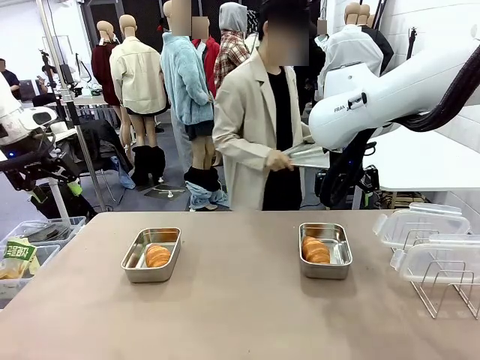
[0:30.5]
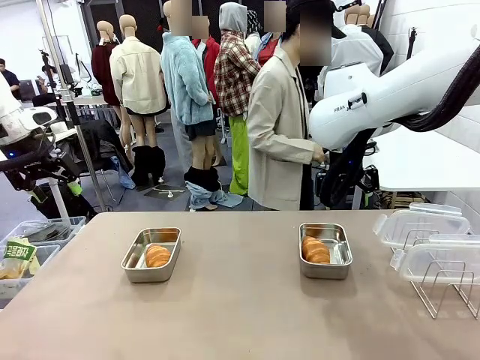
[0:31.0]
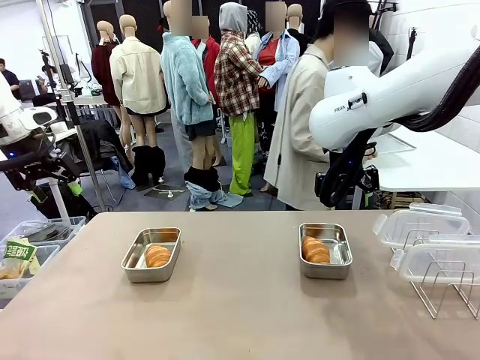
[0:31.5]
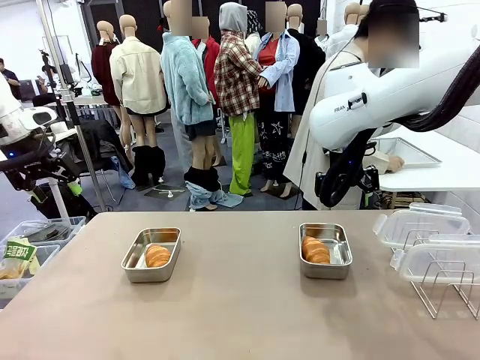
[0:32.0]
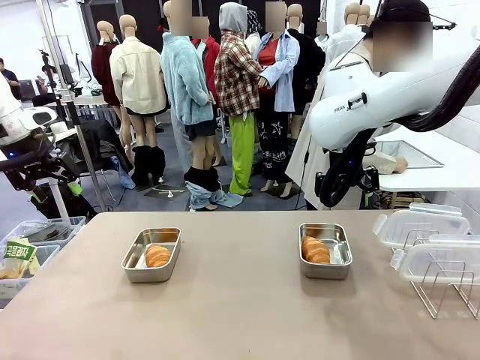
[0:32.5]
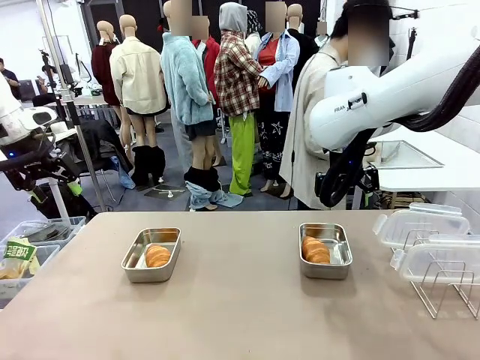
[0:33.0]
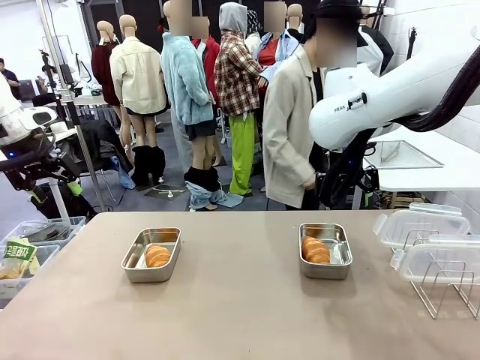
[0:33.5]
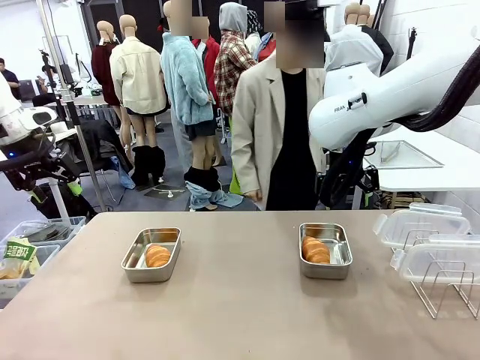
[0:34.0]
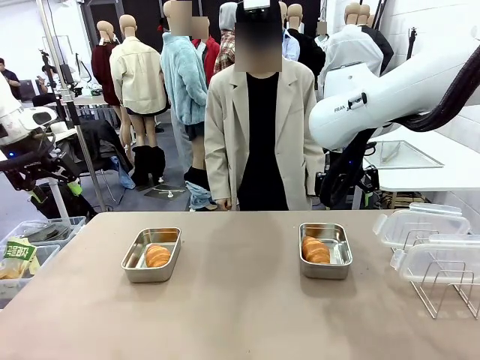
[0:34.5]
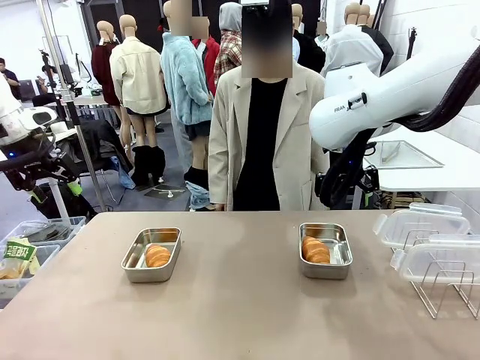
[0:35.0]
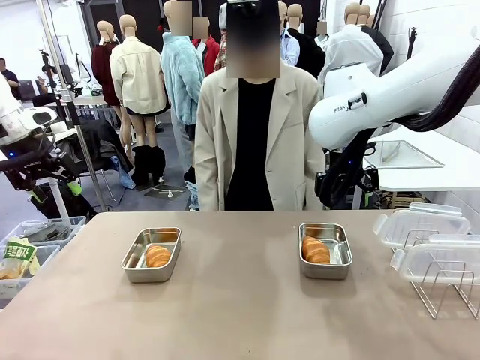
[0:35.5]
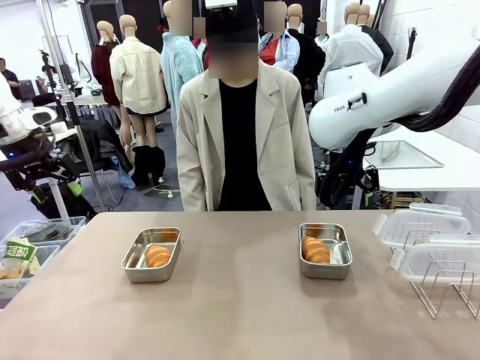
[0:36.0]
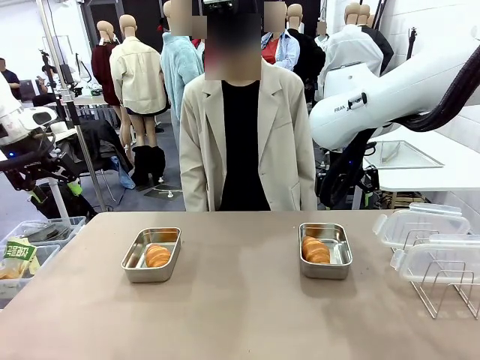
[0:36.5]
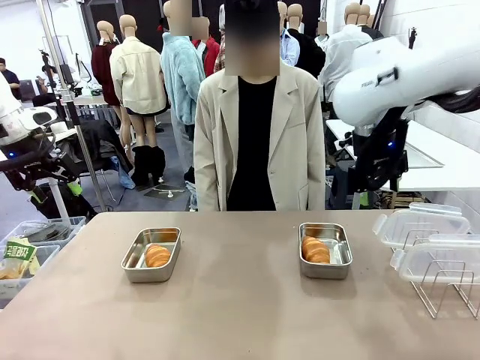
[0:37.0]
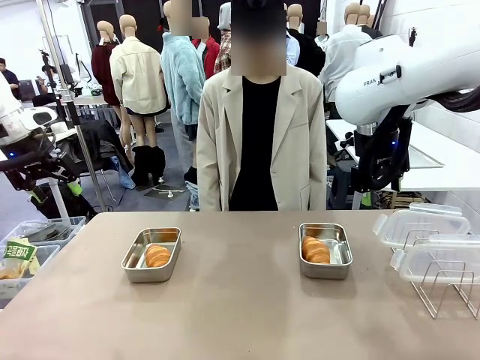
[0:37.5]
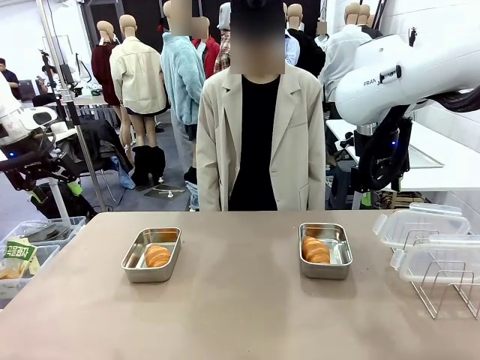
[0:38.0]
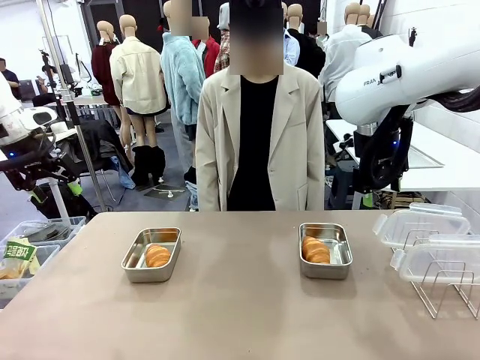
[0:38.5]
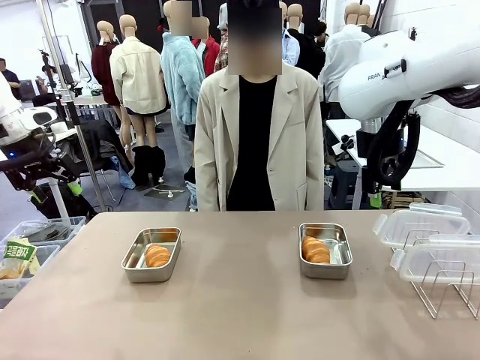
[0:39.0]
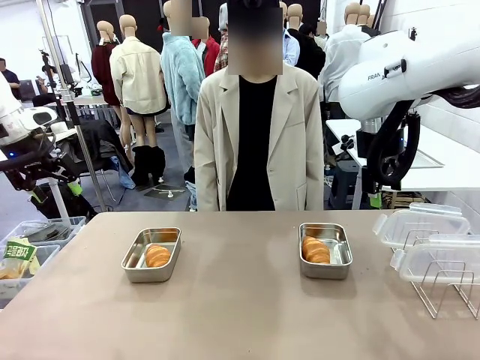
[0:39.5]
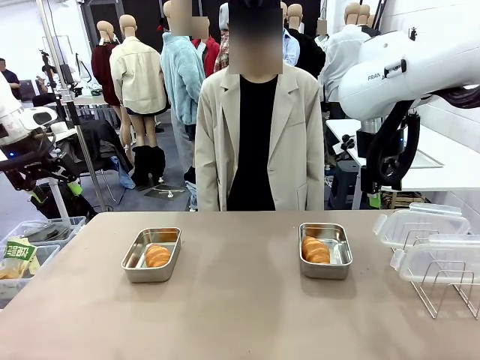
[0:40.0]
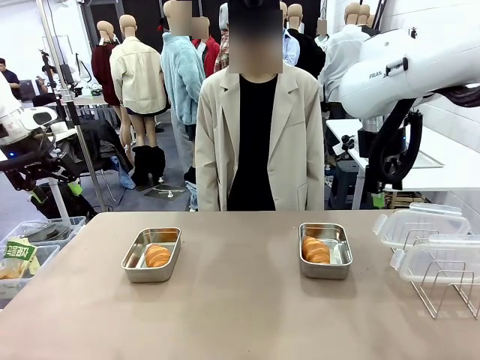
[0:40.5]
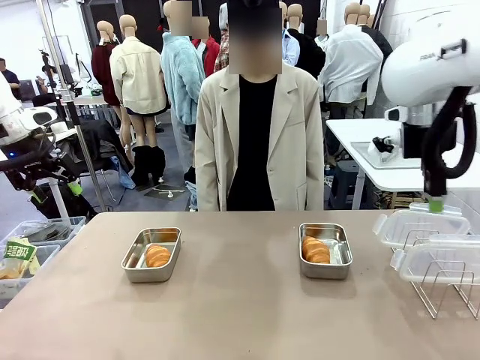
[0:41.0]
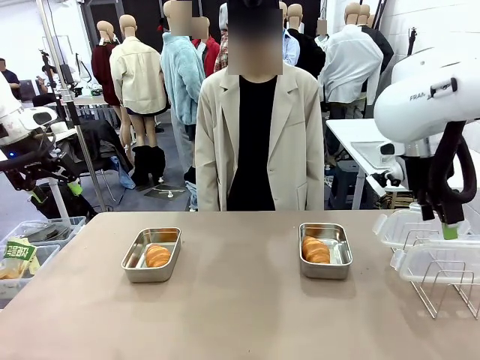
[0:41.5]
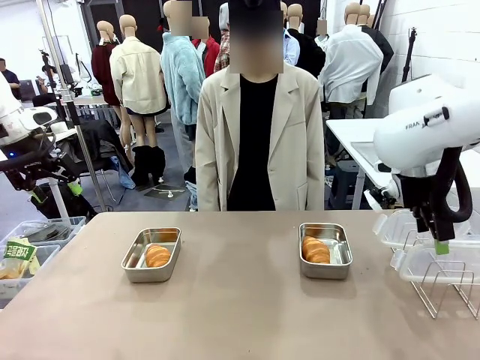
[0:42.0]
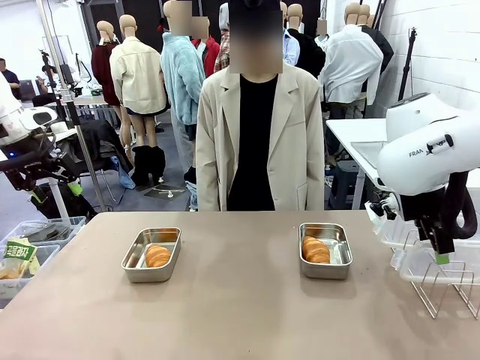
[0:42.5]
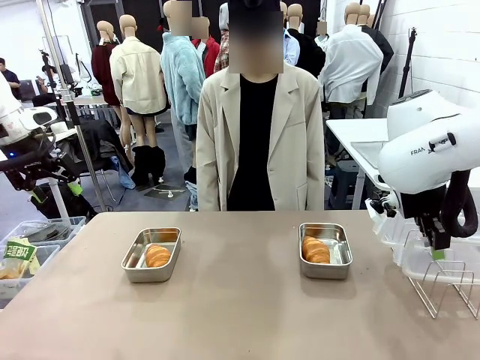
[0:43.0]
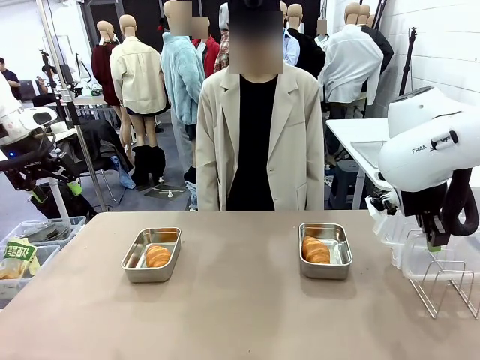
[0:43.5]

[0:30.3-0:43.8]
Task: Place the bread in airtight containers.
Robot: Pick up one Airtight Container lid and hand it to the human.
Person: Place Baking Sheet on the Human's Table. Grip Airtight Container lid that robot is handing.

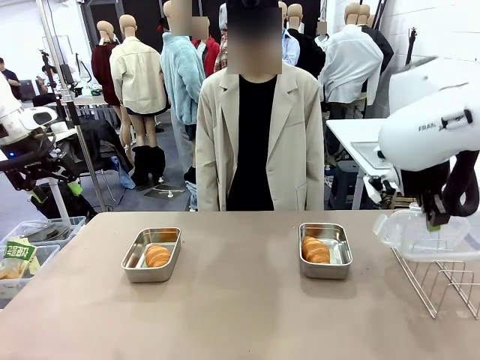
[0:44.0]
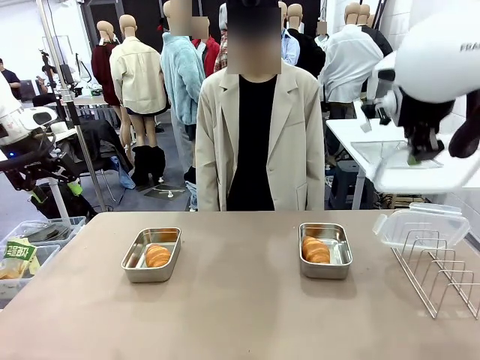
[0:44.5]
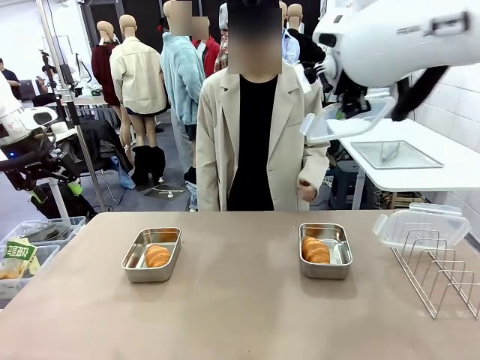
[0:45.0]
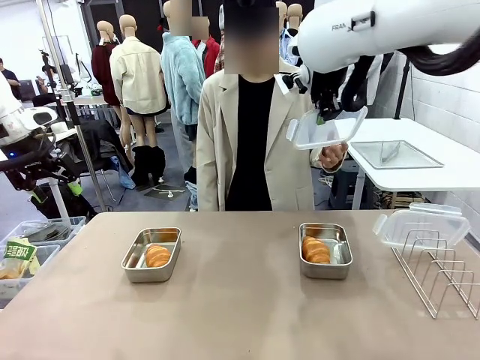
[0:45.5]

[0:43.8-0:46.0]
Robot: Release when the human grabs the Airtight Container lid.

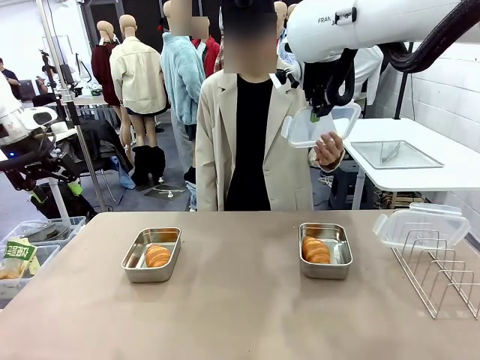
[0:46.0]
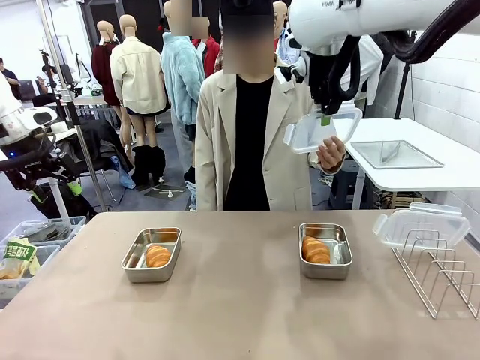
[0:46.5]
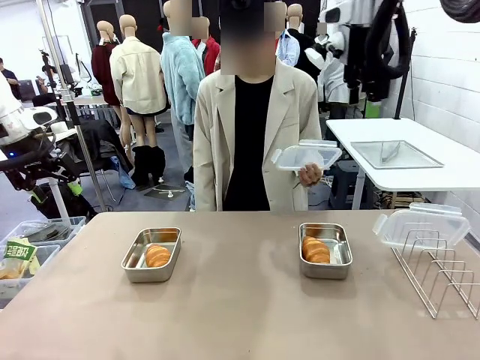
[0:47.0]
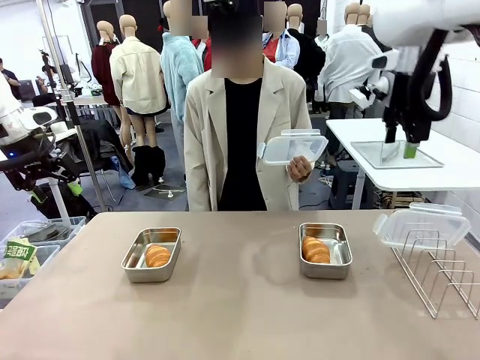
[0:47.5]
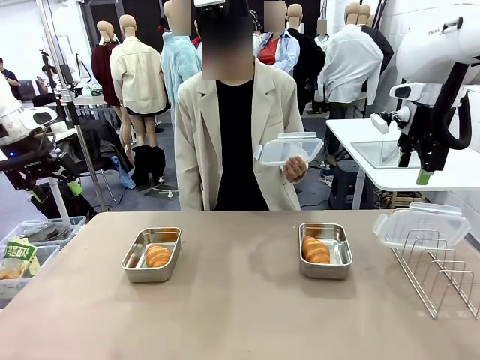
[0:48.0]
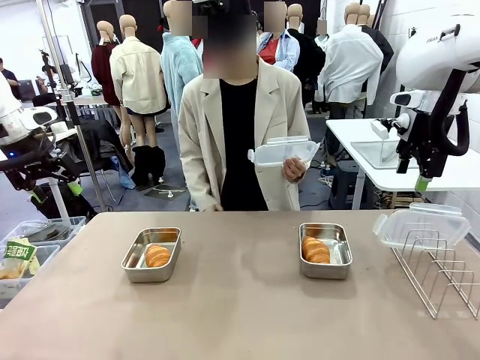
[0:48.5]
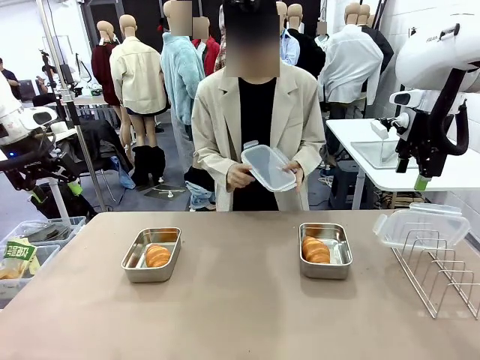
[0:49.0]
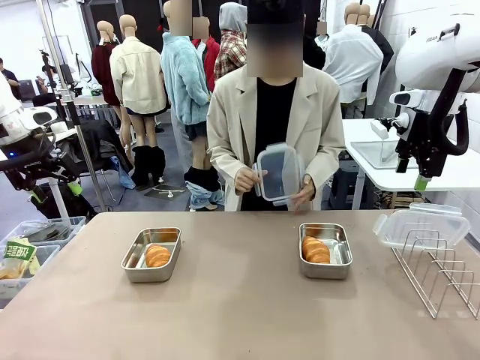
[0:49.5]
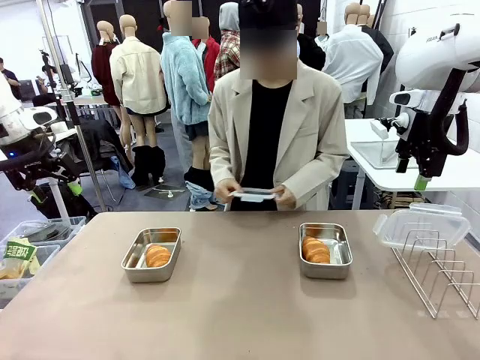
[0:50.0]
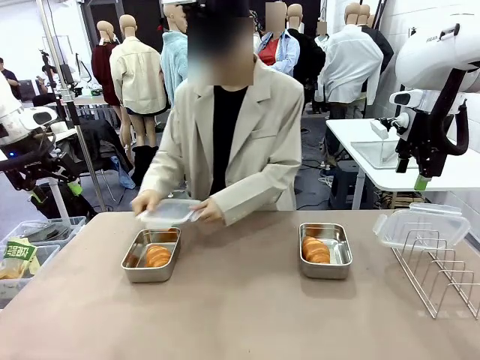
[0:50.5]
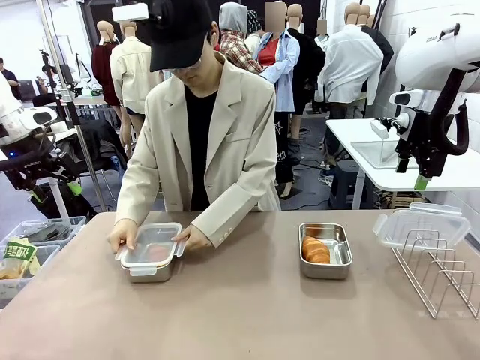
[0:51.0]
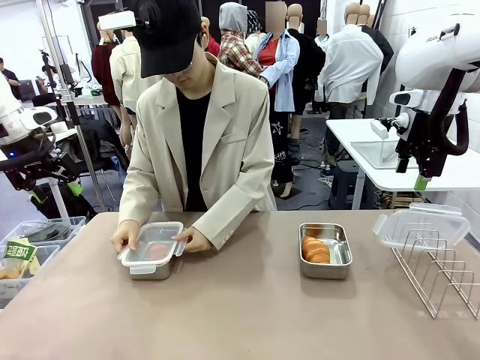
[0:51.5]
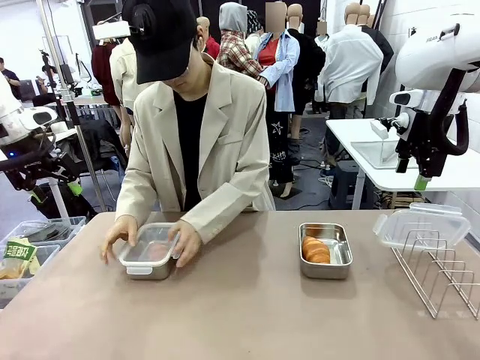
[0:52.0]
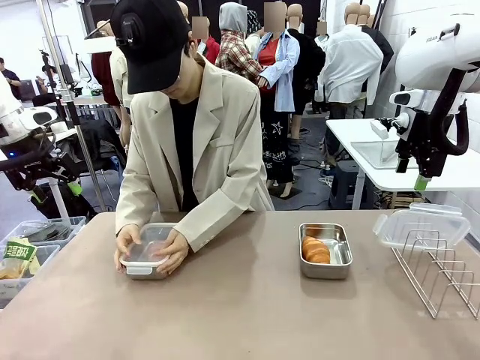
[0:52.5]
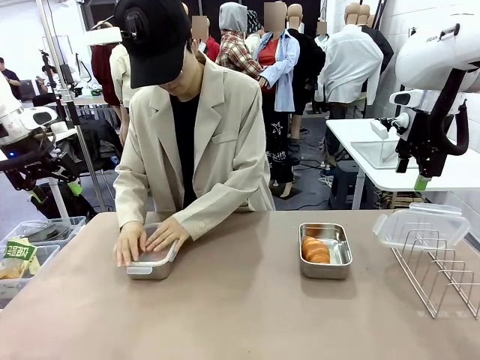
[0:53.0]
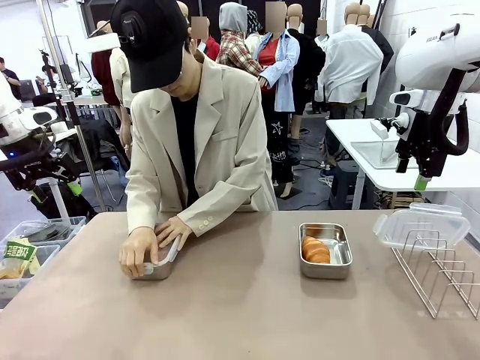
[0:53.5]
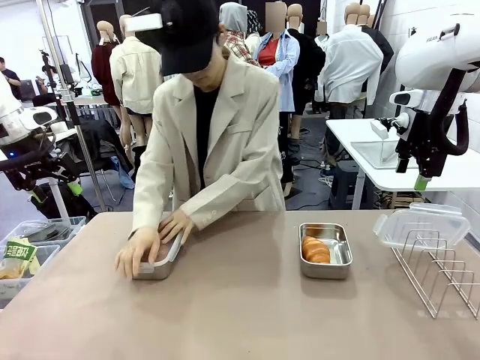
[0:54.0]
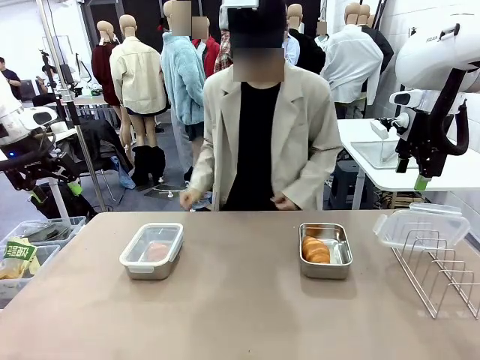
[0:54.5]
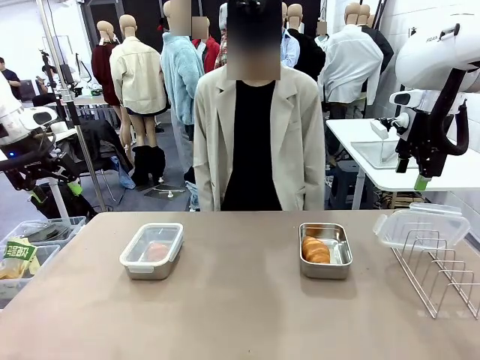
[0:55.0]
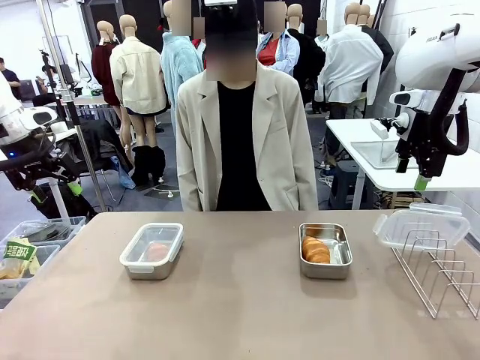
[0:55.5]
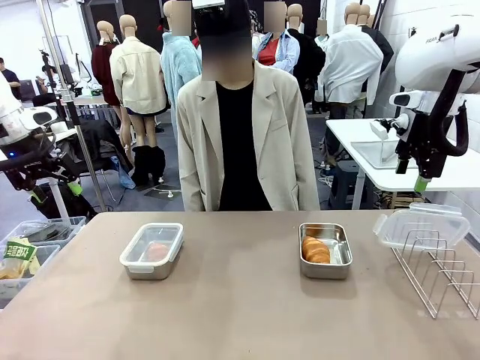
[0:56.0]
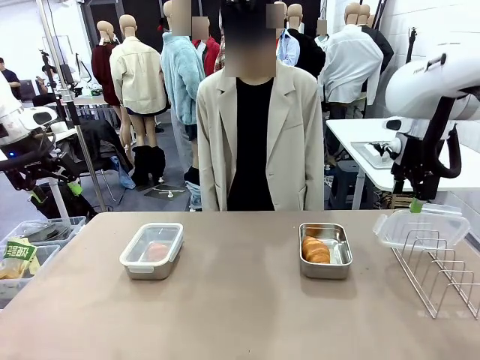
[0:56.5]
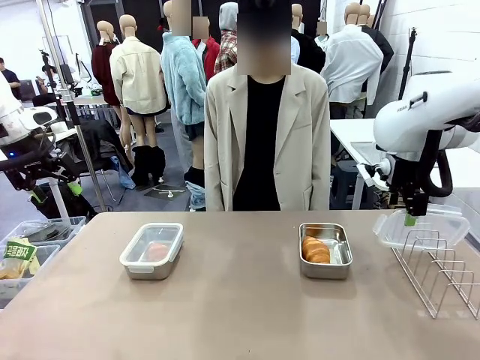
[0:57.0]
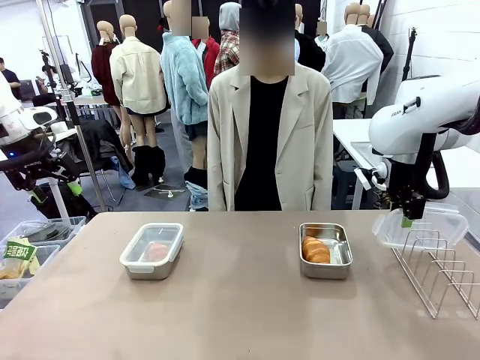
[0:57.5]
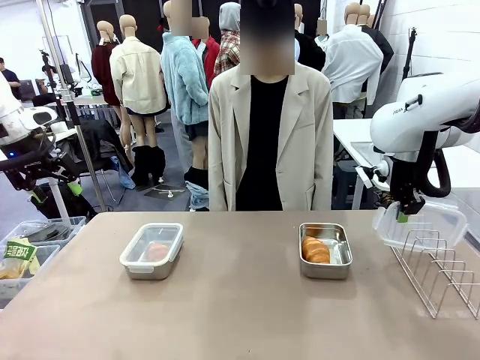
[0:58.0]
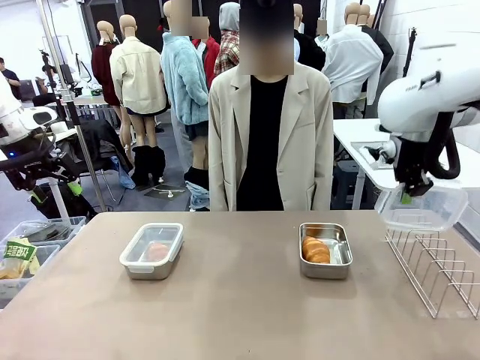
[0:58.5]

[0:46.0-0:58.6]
Robot: Pick up one Airtight Container lid and hand it to the human.
Person: Close Airtight Container with a handed Airtight Container lid.
